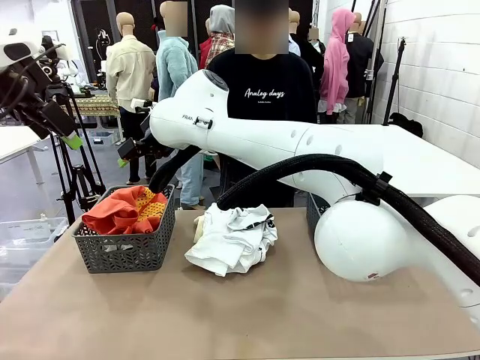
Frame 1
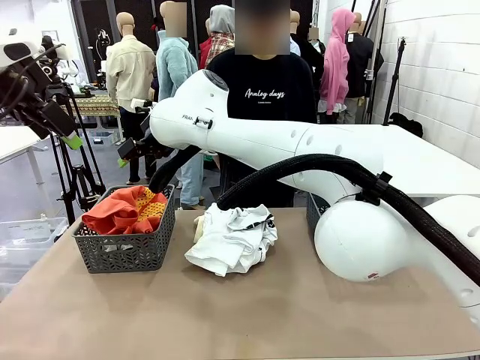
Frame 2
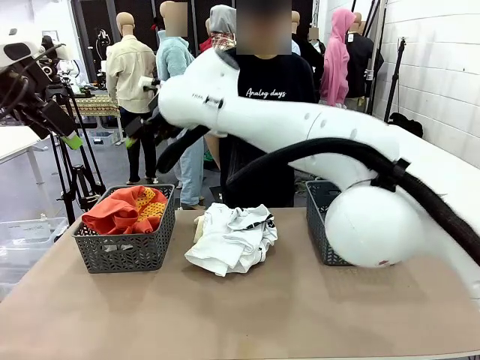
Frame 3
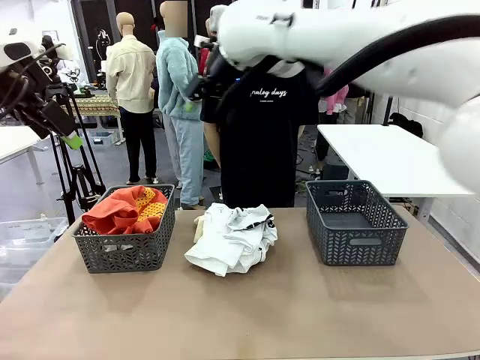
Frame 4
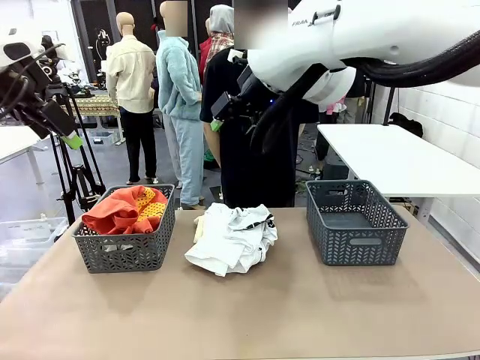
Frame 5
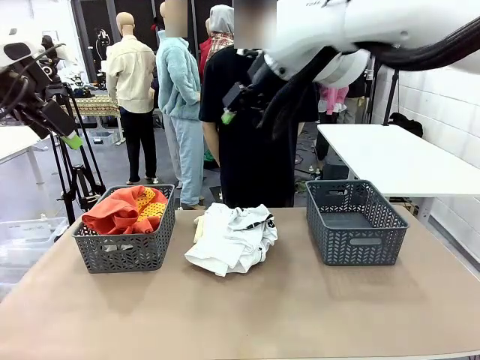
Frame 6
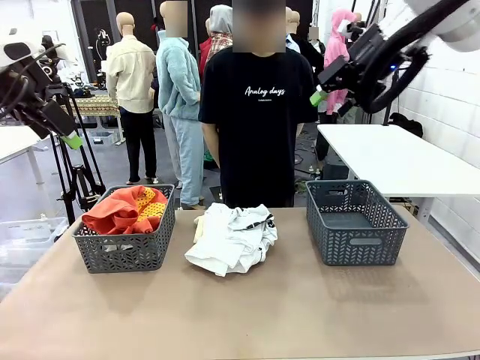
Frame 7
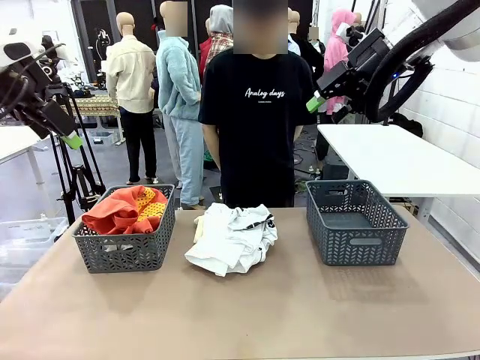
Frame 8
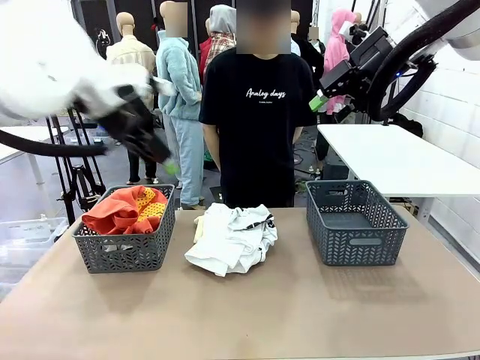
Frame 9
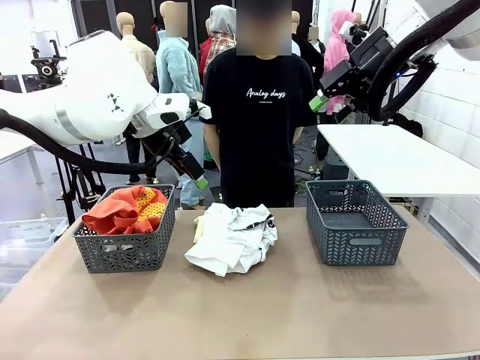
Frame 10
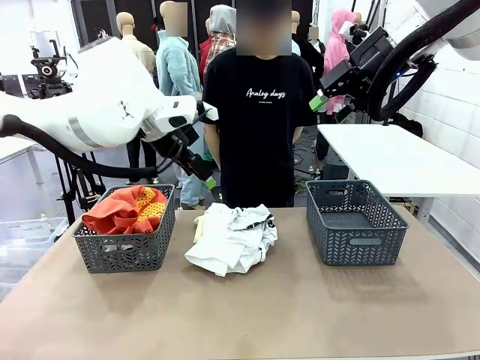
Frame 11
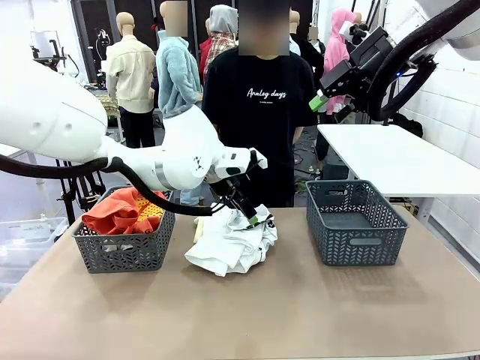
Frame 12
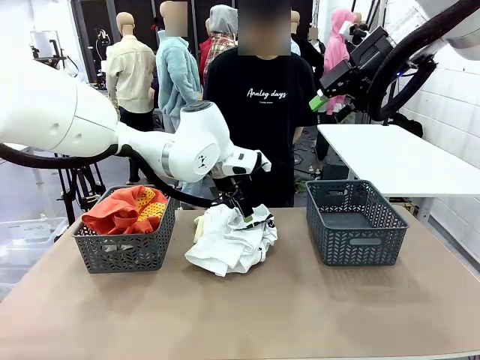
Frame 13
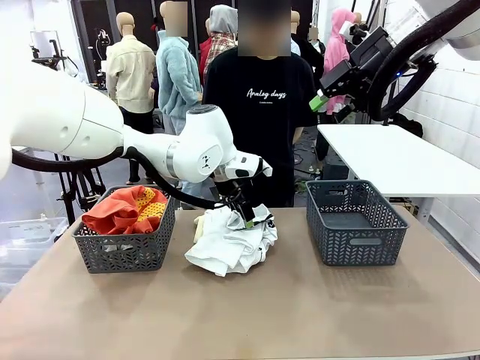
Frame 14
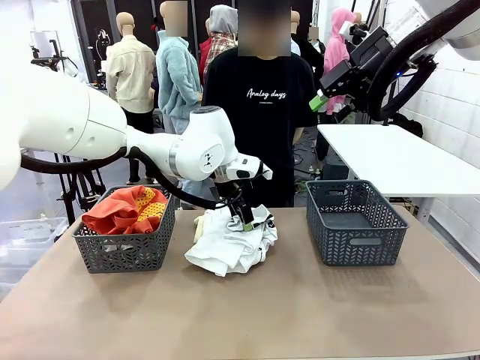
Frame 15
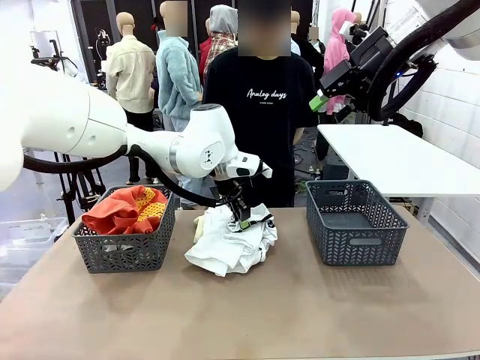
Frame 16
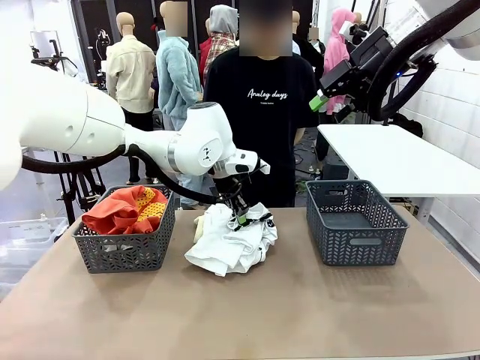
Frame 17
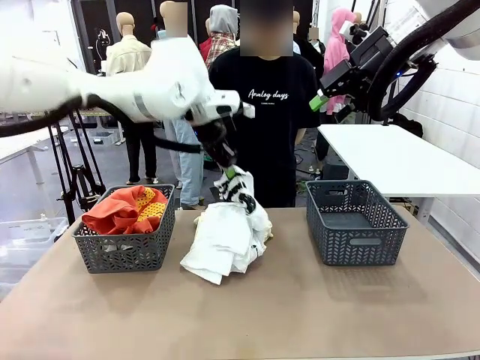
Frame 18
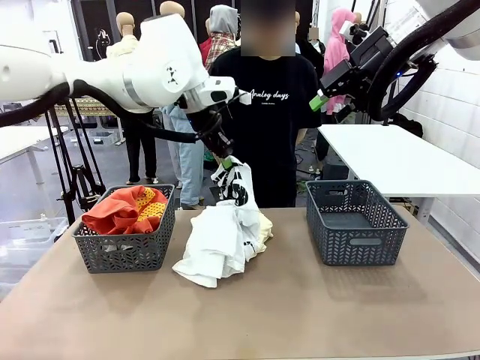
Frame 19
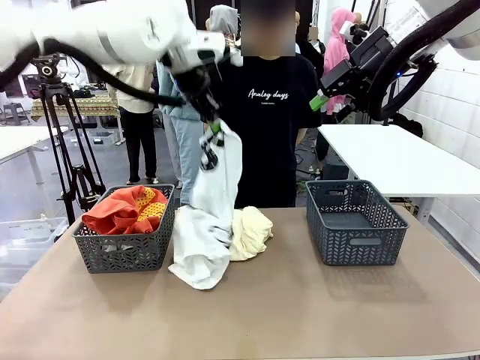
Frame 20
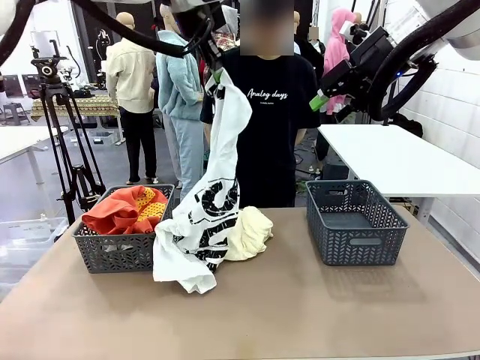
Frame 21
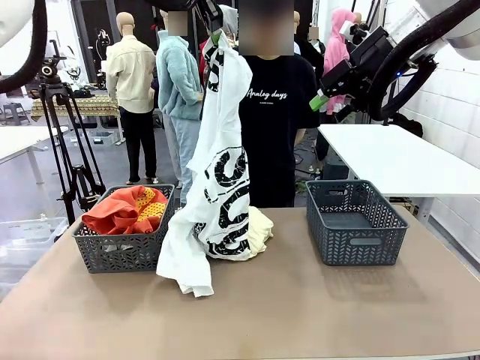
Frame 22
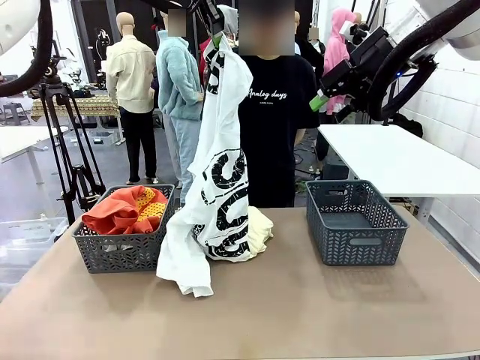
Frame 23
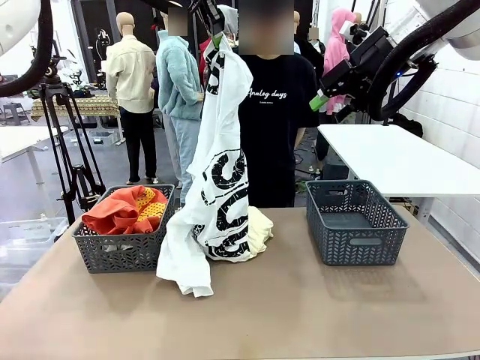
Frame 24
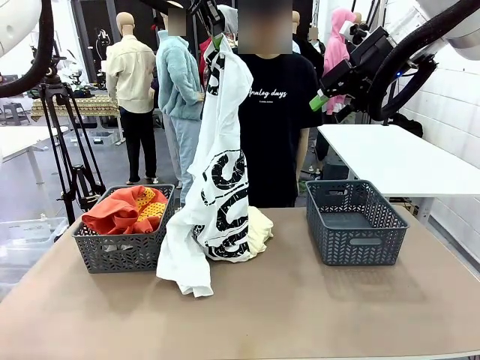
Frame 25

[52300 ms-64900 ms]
Task: Sort the tops and bottoms.
Robot: Lift clothes from the center of the table with your left hand.

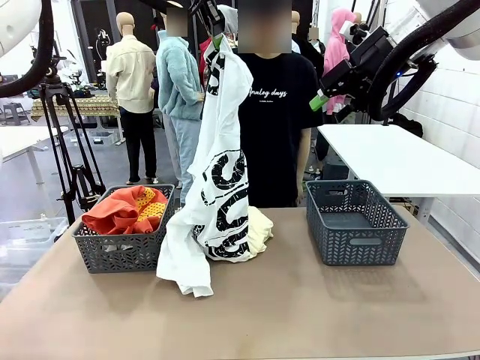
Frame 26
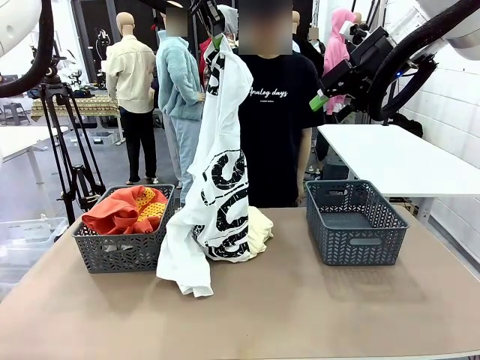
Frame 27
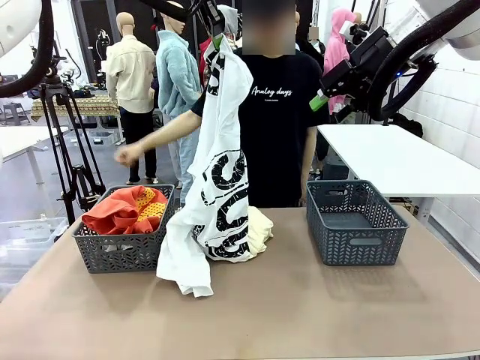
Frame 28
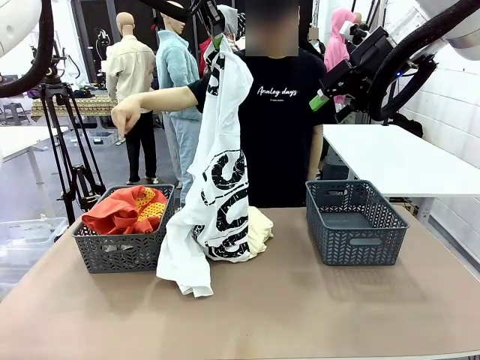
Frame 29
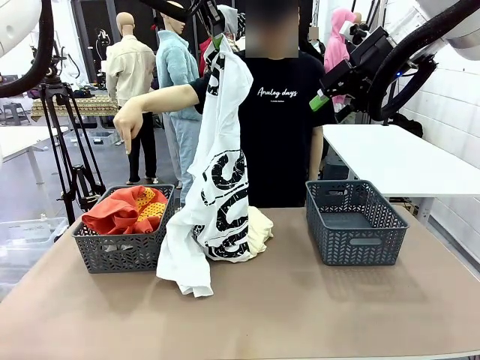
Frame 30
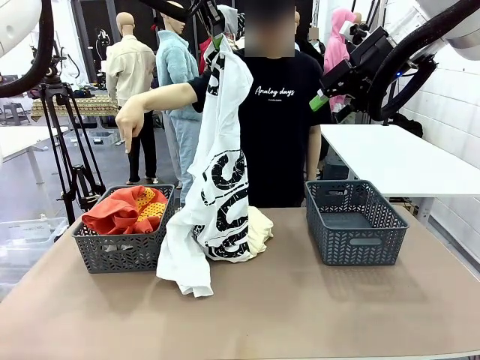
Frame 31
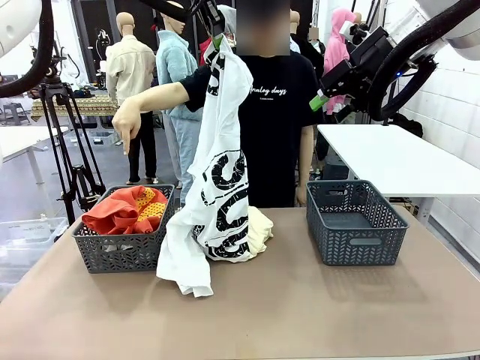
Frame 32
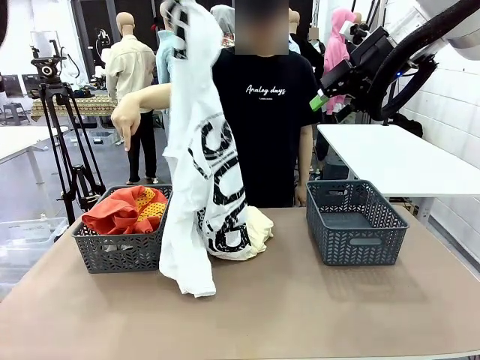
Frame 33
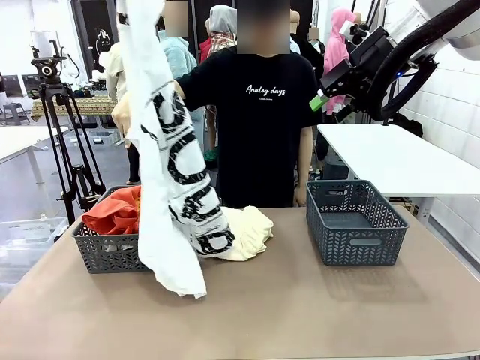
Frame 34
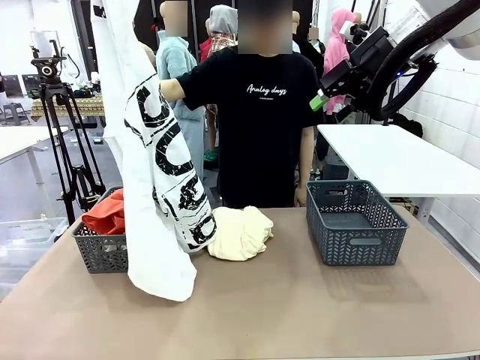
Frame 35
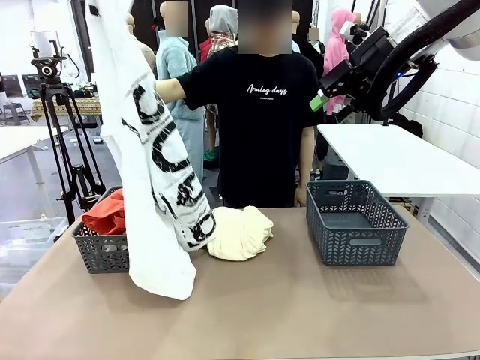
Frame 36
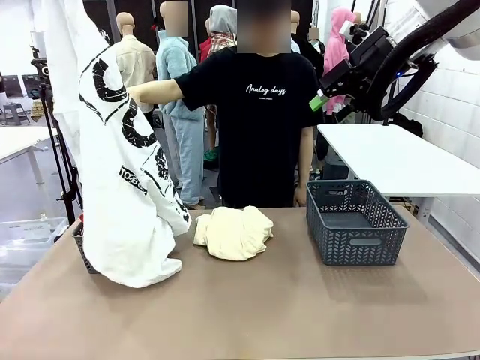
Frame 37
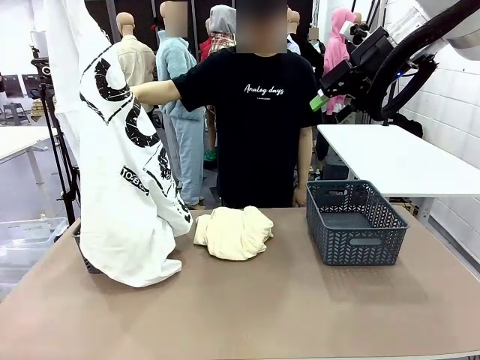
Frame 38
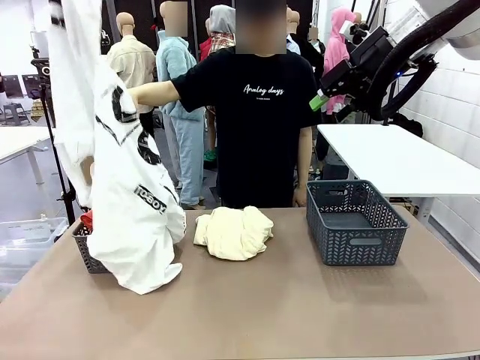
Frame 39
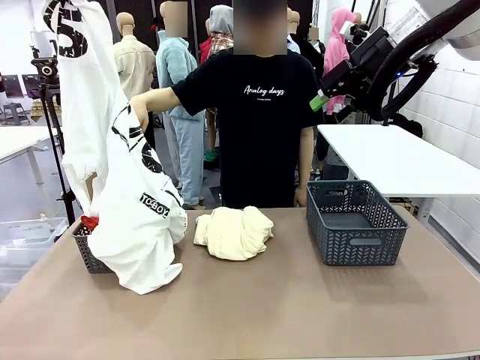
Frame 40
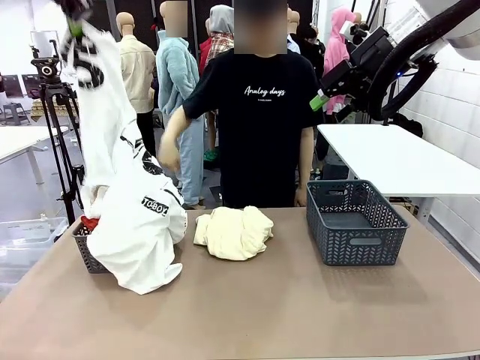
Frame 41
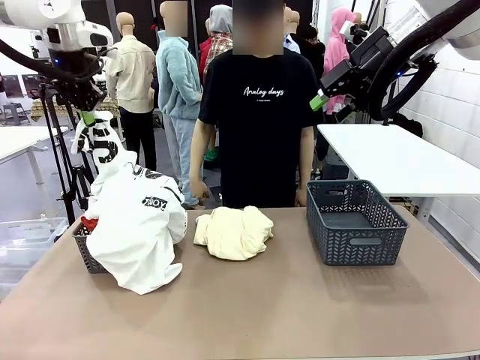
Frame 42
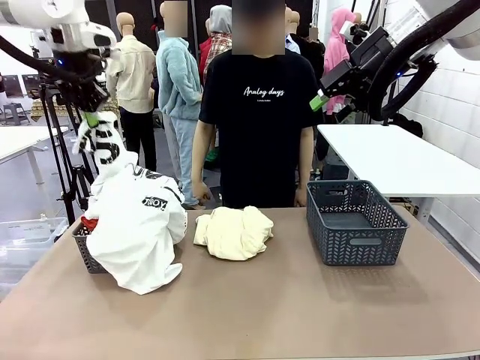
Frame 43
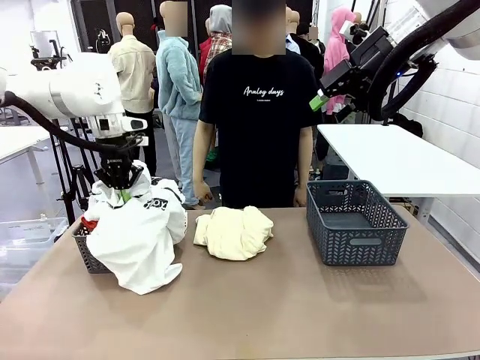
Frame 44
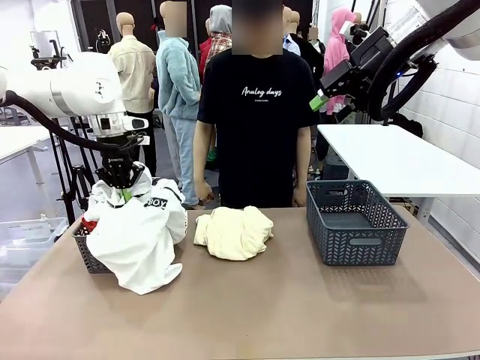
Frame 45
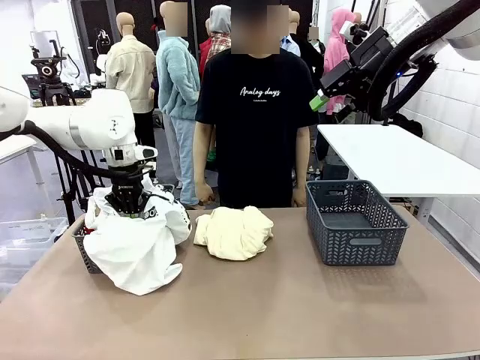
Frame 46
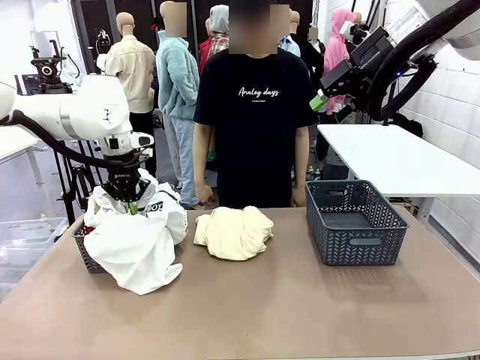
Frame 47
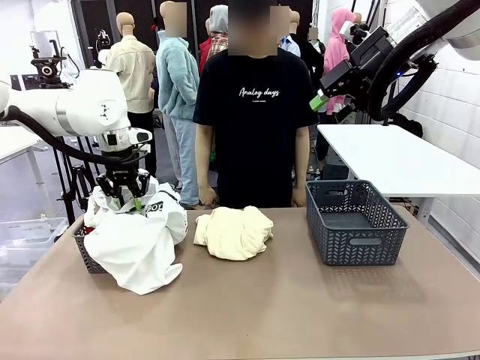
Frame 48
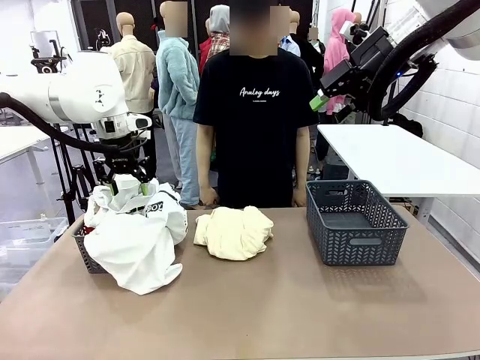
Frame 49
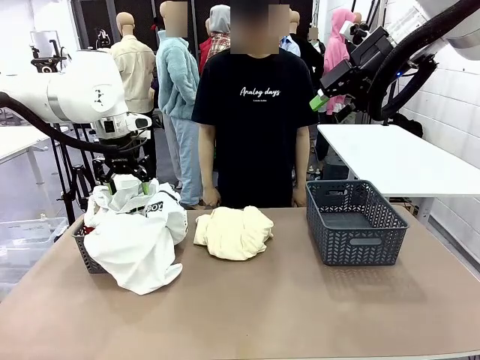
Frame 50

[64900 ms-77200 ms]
Robot: Sort the clothes according to human instructions.
